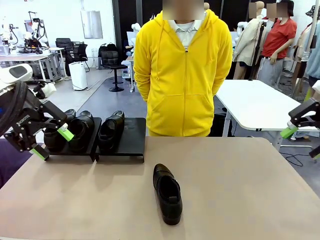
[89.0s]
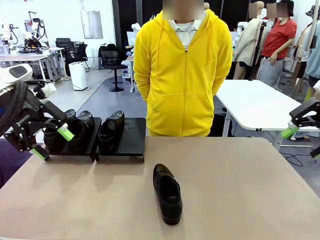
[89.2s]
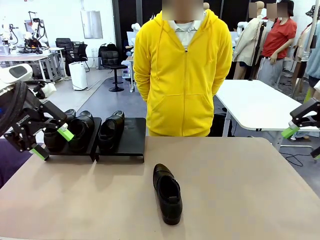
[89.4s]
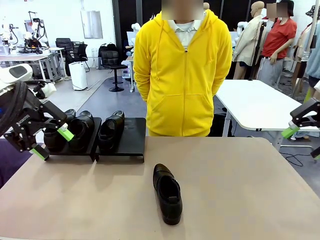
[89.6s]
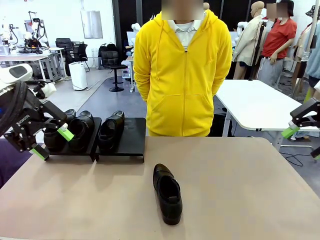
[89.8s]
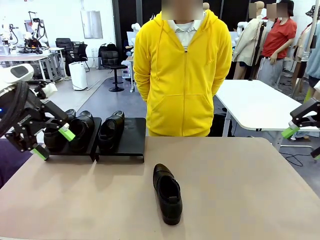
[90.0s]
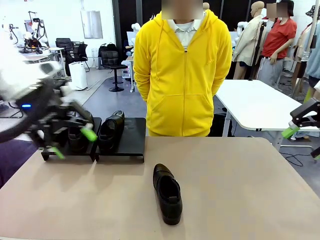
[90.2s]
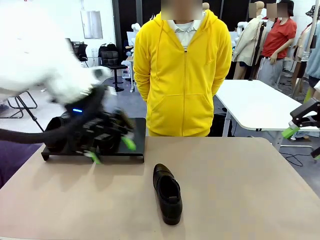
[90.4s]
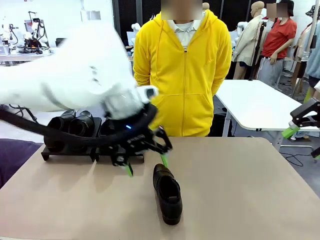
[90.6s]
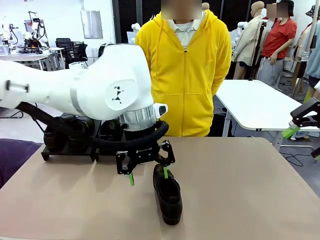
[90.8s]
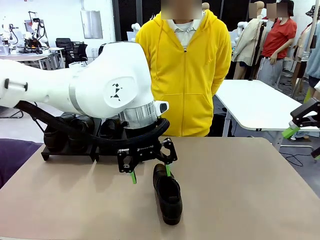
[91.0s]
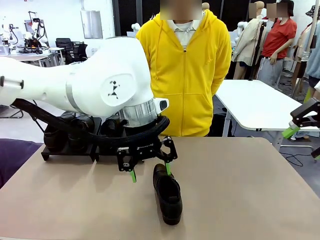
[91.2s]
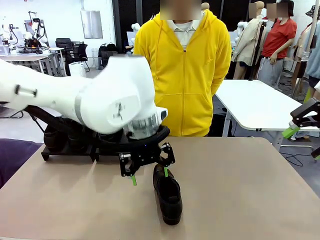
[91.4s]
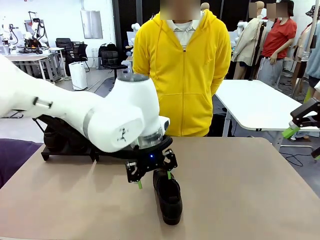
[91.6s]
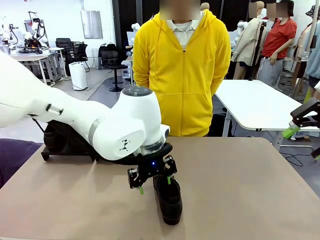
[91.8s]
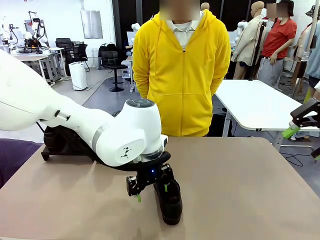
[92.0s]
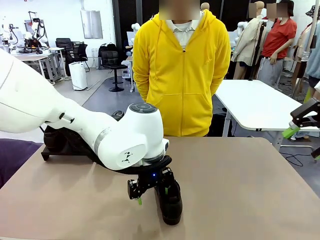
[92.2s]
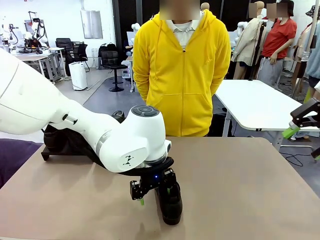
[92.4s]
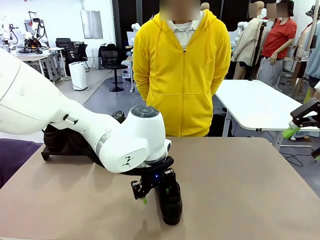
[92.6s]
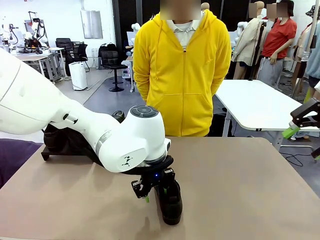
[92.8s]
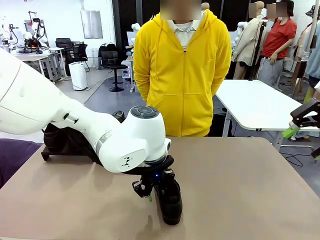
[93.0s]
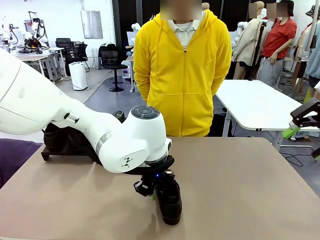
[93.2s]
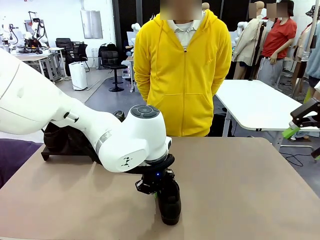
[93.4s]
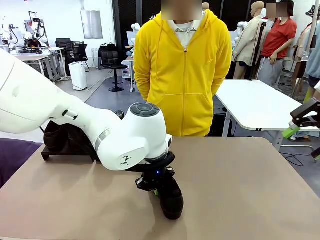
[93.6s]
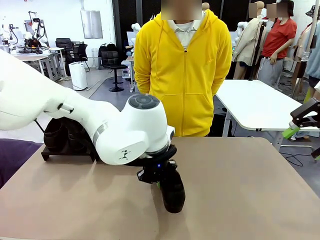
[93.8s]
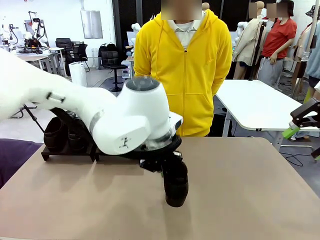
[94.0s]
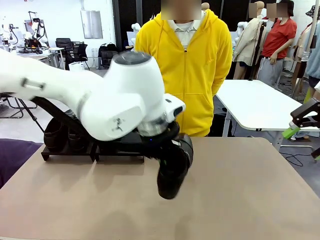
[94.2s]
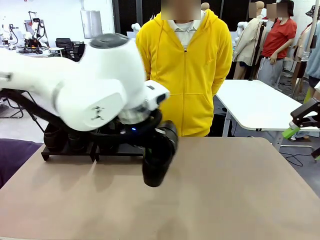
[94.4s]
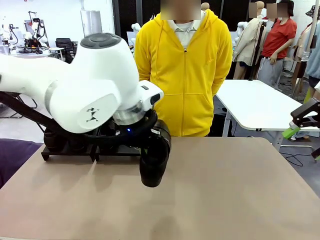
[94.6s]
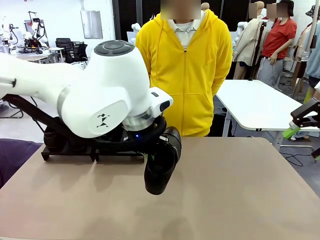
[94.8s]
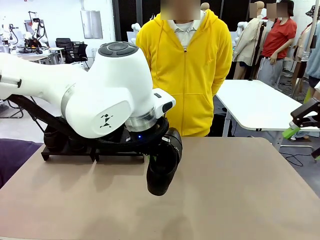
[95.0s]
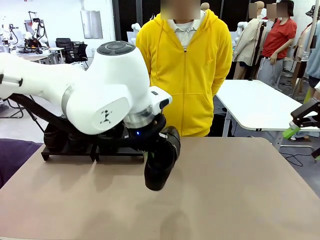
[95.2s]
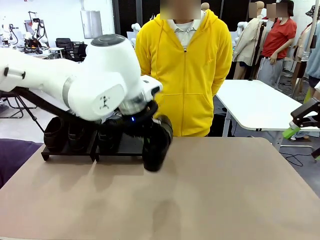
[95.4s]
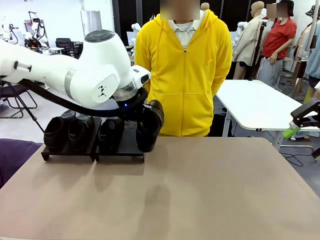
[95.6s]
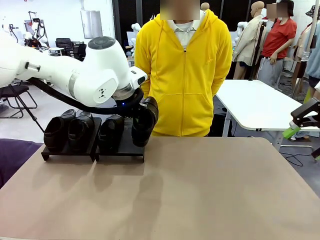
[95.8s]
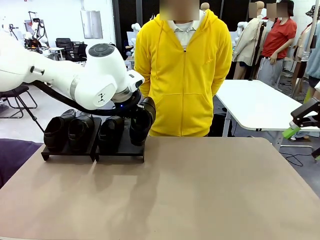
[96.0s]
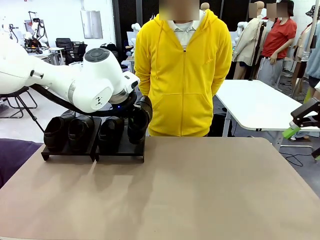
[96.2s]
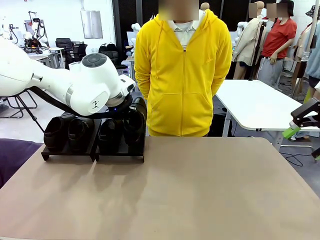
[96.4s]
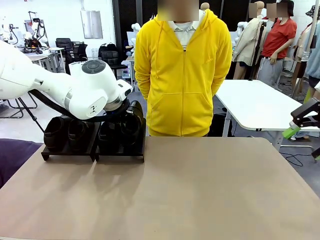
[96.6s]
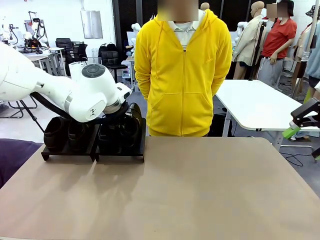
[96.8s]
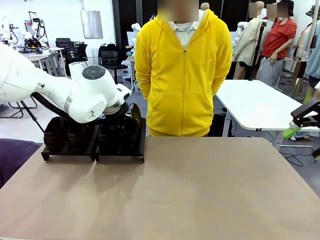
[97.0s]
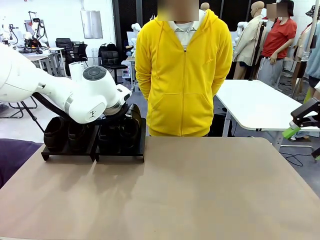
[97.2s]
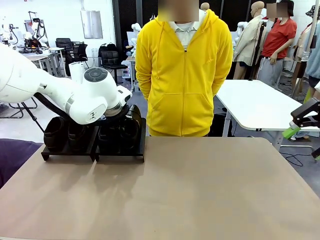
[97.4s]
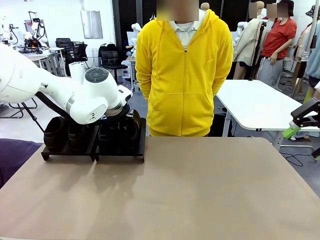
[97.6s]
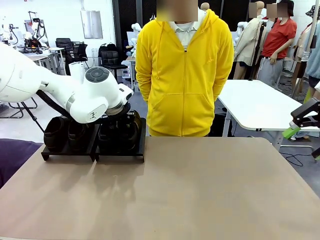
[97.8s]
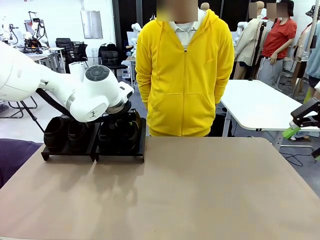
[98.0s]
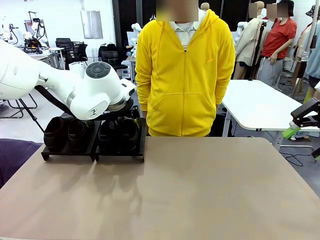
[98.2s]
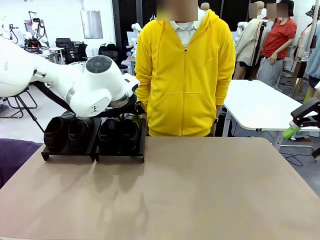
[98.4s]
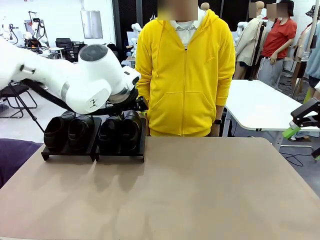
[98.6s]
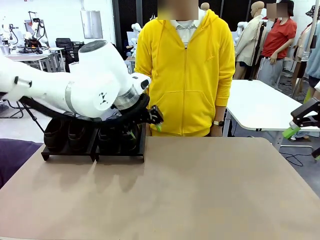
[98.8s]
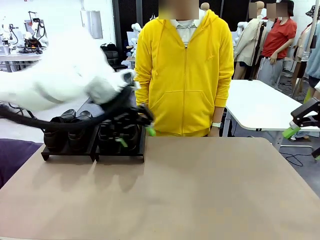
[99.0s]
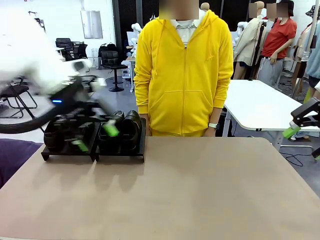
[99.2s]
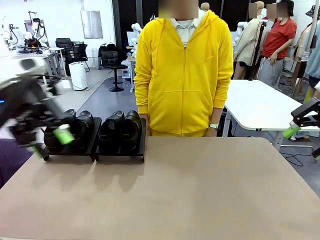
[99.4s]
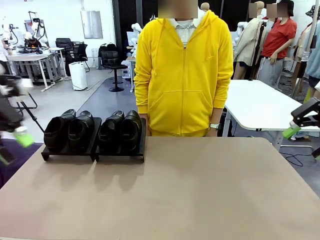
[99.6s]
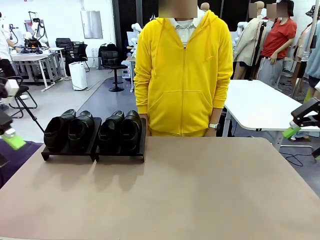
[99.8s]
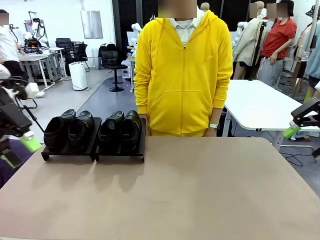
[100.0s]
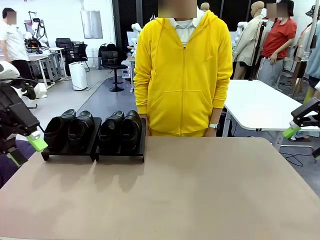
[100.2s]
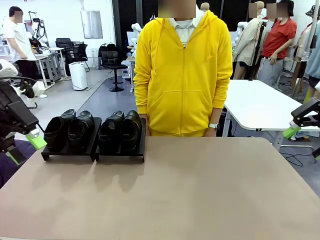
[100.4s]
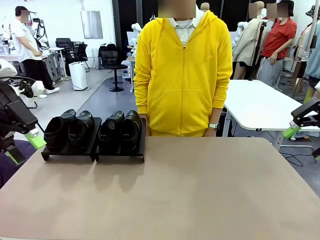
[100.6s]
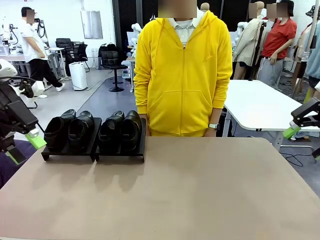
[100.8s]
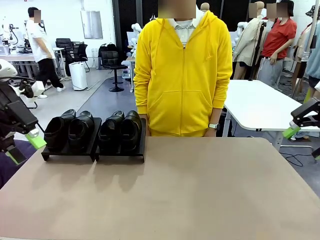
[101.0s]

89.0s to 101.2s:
Task: Organize the shoes by placing them on the stand.
Robot: Place the Shoe from the middle of the table onto the Shoes Stand.

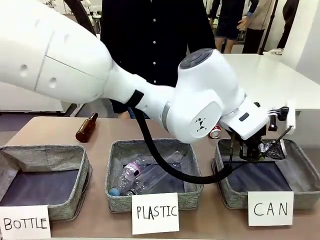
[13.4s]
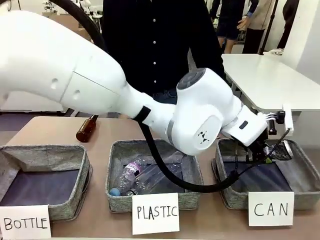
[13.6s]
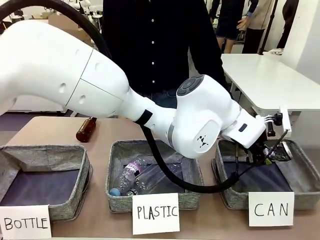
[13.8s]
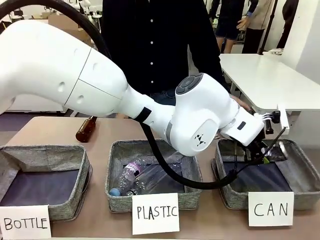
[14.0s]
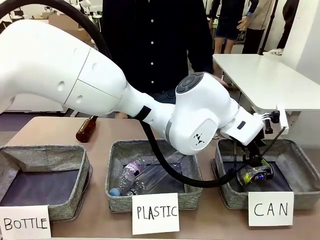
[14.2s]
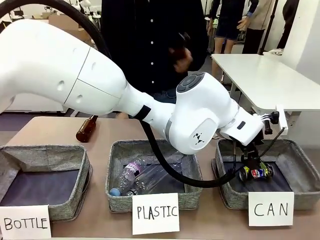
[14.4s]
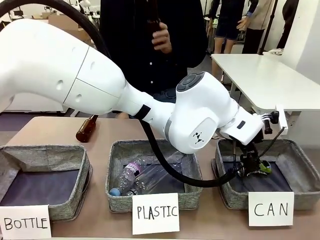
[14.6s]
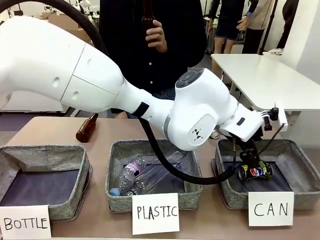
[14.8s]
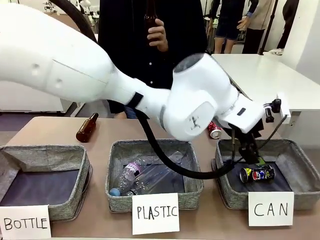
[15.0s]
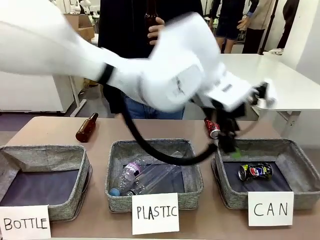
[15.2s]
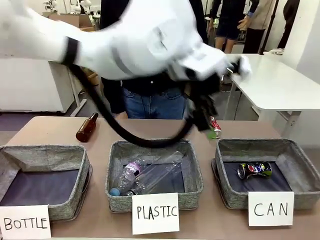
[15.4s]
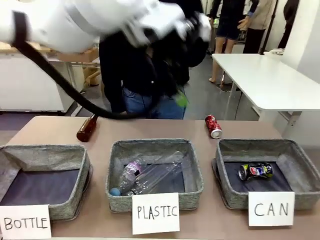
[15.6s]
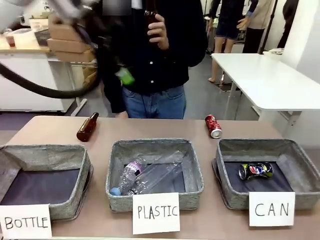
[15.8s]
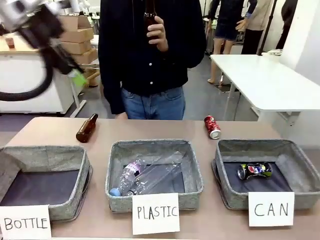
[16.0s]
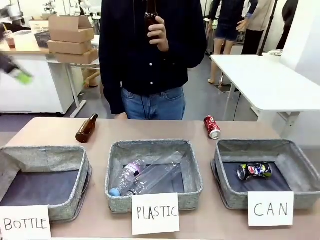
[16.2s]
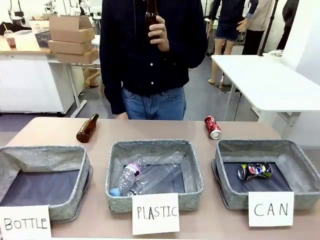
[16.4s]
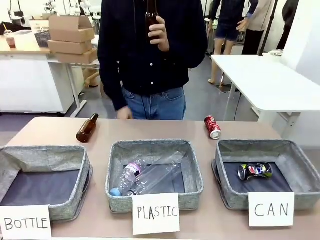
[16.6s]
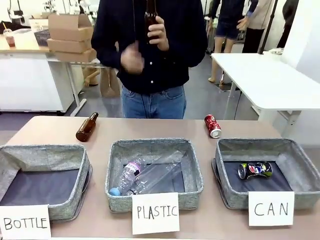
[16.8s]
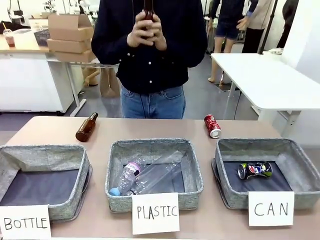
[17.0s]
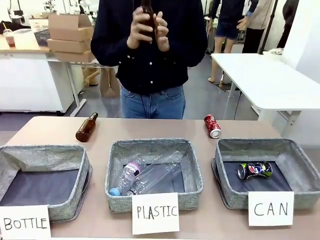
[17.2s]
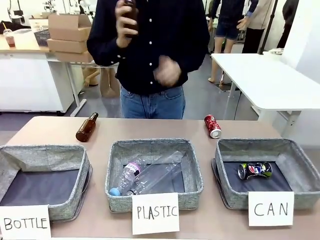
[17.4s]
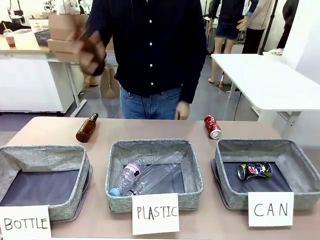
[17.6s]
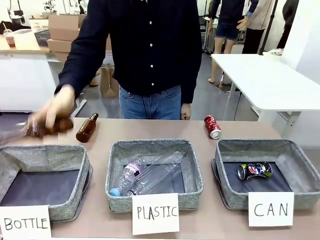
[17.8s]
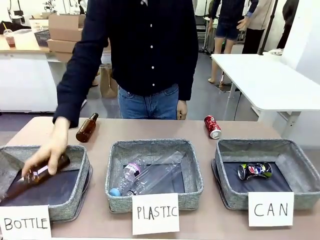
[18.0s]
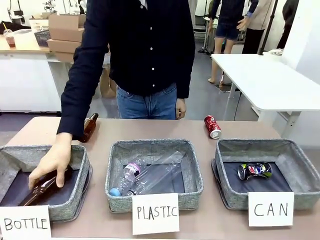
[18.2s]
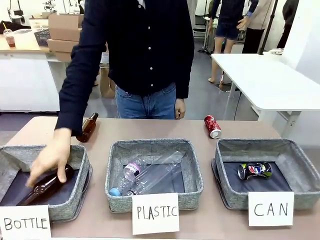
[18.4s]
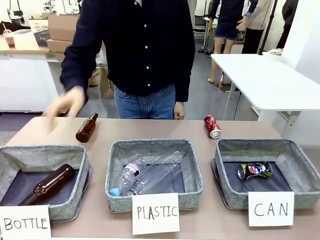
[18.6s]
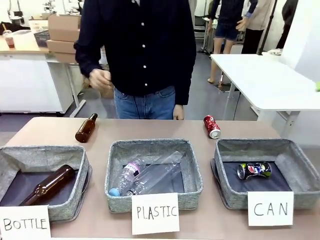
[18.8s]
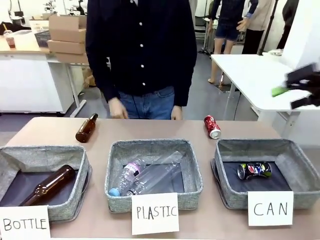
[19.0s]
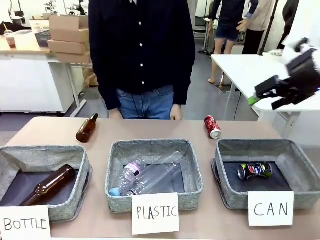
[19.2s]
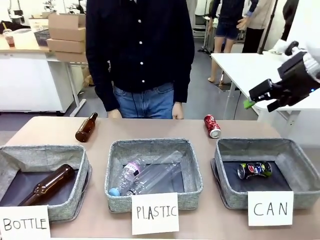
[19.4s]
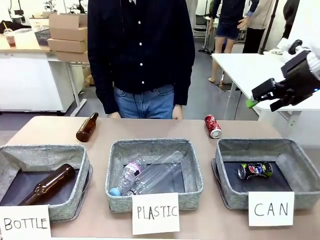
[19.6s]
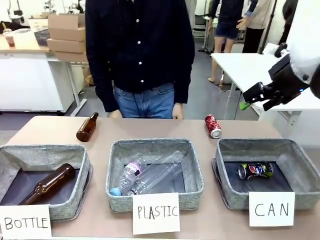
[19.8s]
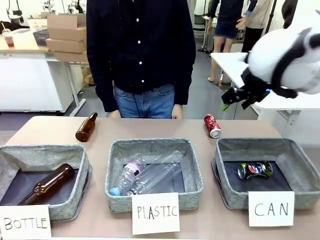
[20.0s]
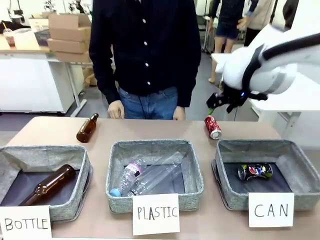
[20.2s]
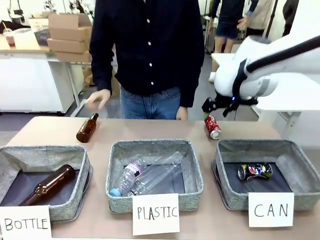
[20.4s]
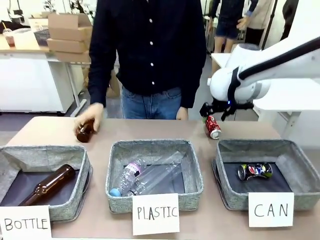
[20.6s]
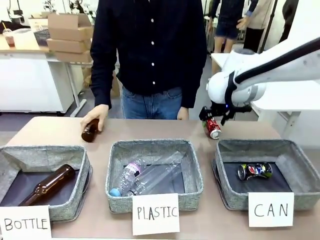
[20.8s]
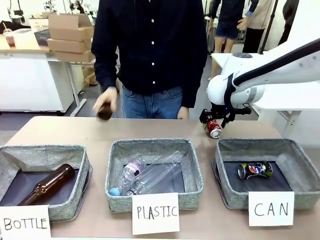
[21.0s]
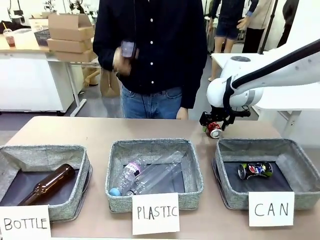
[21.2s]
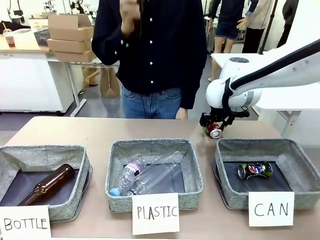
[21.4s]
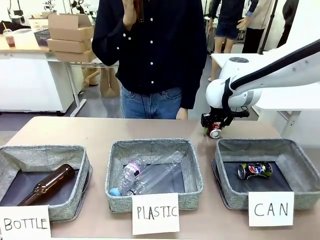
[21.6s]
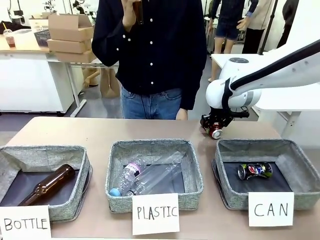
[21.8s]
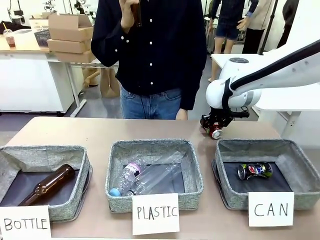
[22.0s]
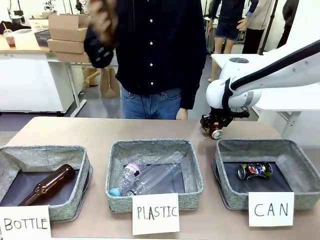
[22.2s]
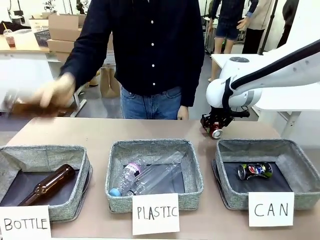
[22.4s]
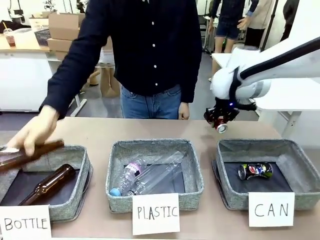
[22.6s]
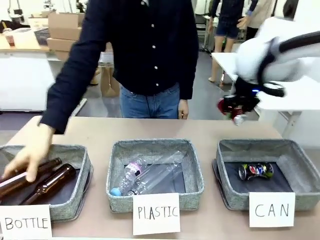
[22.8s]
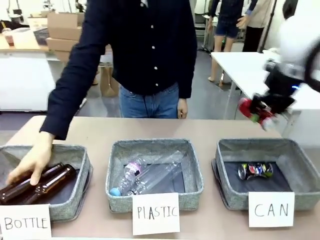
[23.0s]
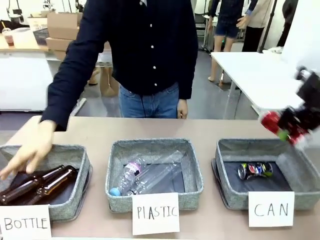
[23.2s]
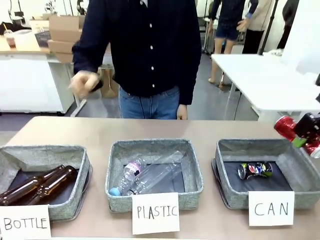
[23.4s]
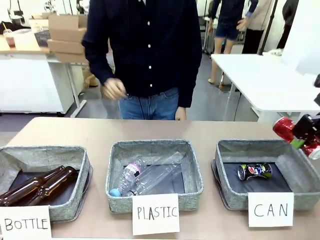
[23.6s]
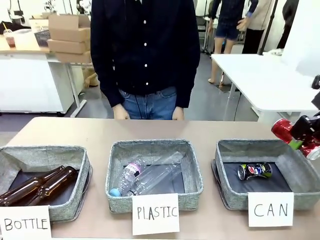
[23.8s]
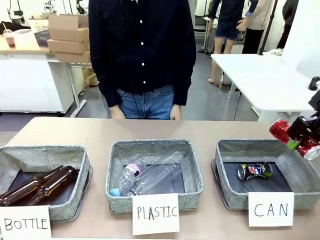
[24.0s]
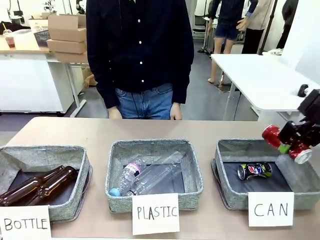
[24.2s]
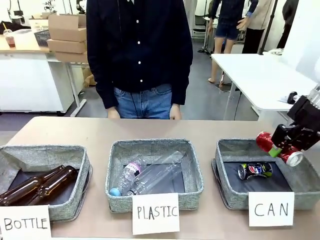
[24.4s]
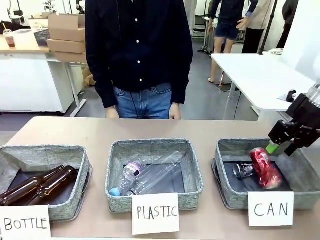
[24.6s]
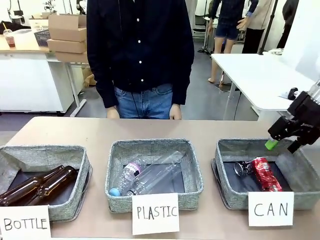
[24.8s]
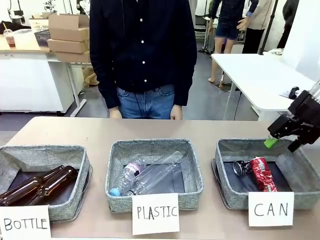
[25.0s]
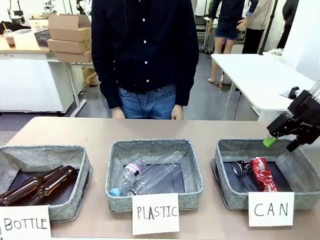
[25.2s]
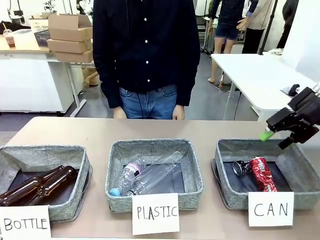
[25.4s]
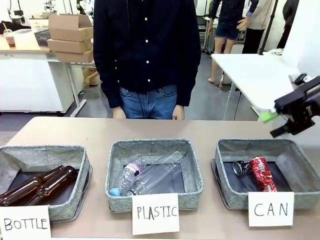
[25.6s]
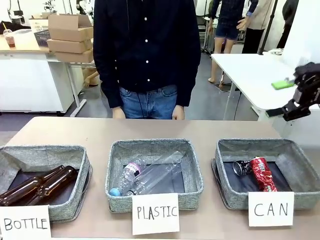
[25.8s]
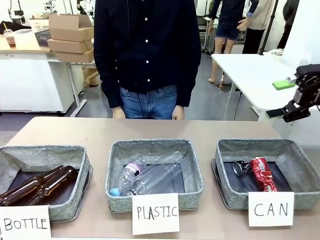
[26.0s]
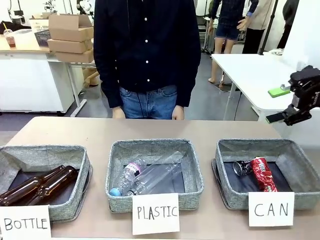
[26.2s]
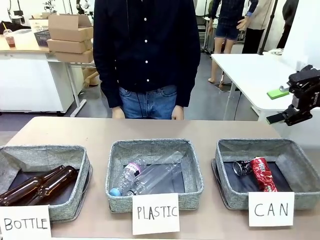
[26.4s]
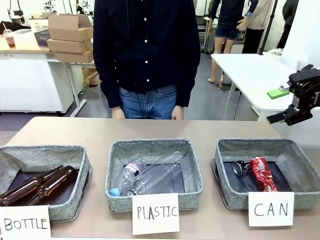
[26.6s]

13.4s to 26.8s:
Task: Sort the can waste into the basket.
Robot: Pick up the can waste from the table and place it in the right Fabric basket.
